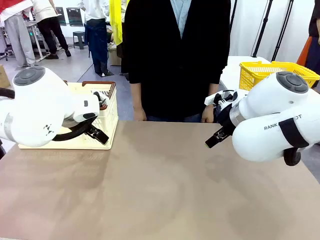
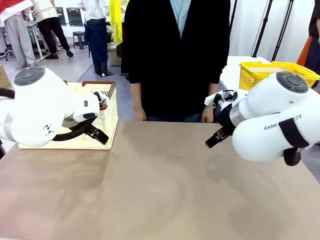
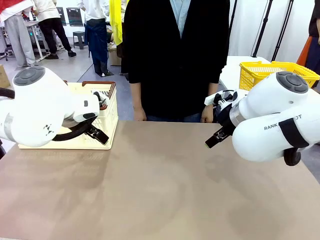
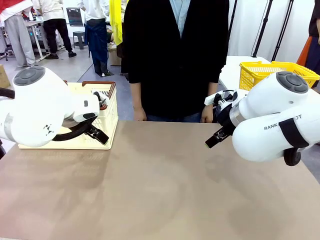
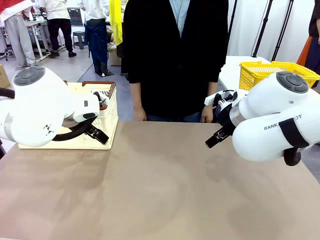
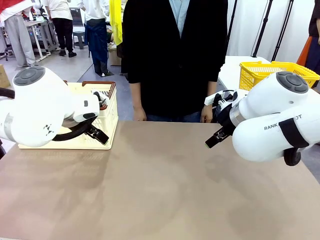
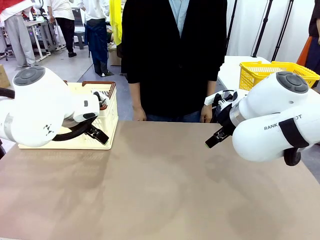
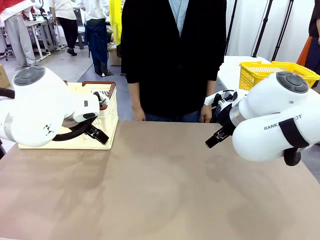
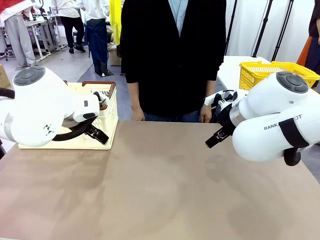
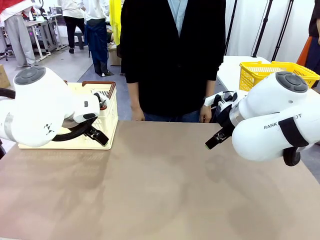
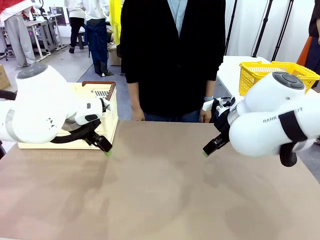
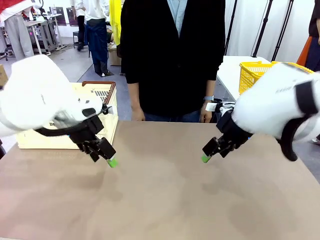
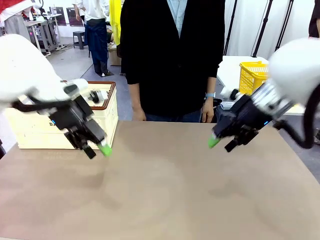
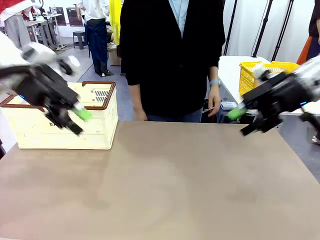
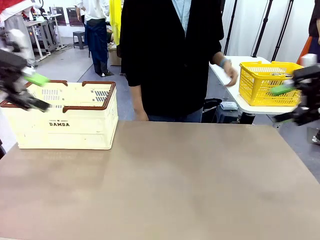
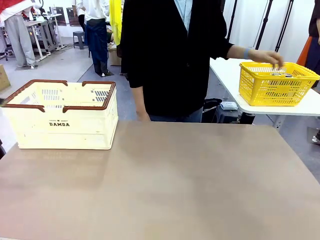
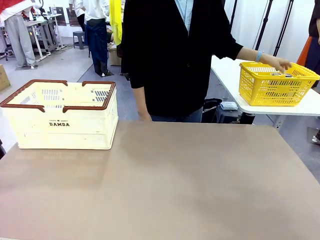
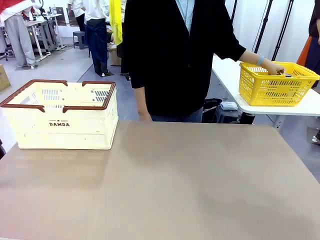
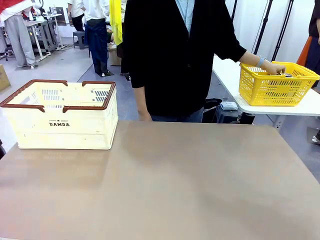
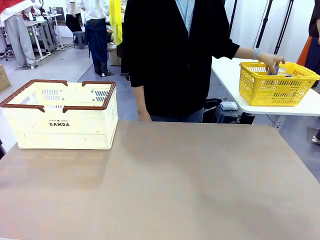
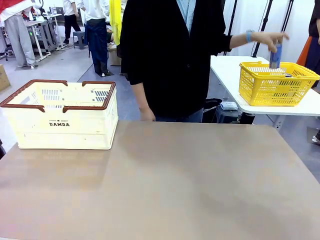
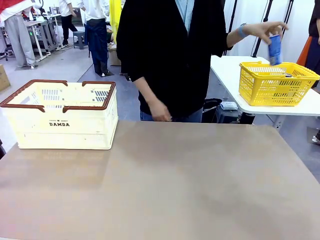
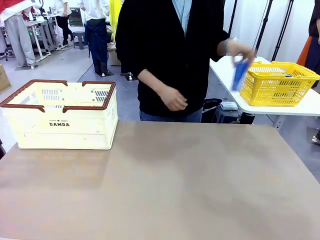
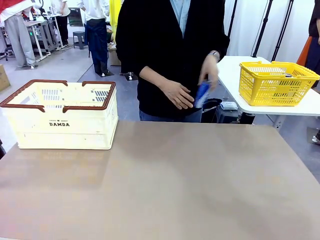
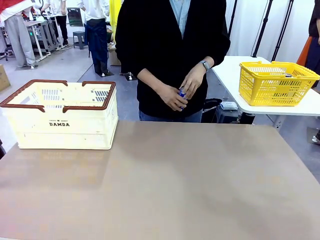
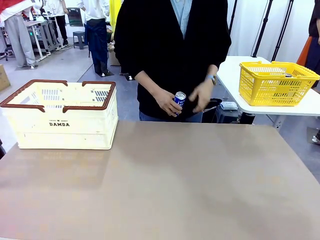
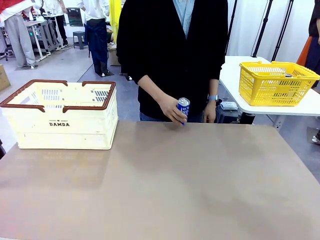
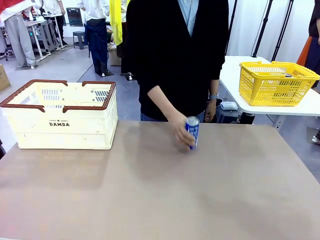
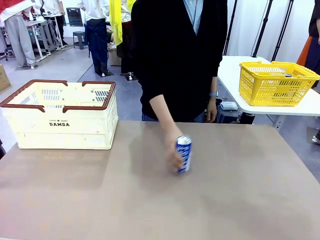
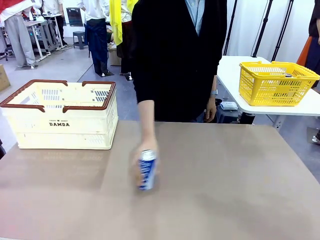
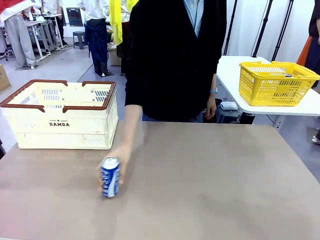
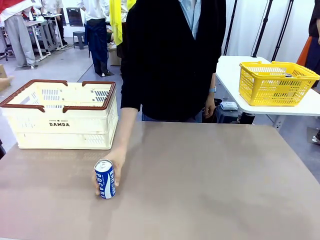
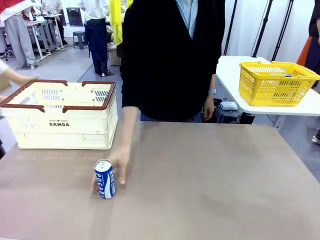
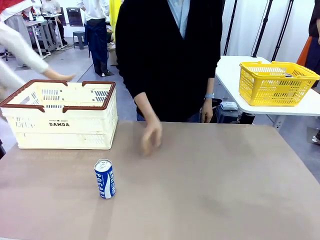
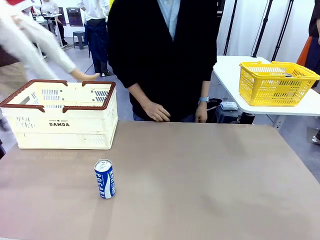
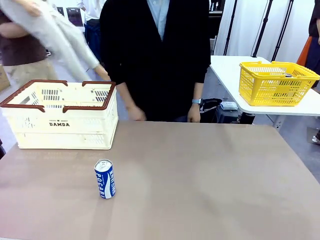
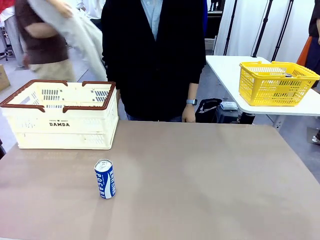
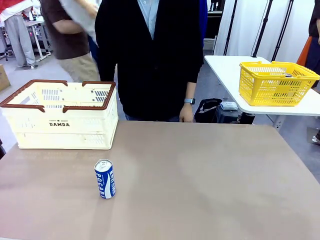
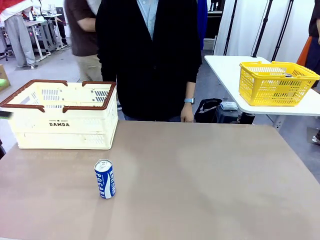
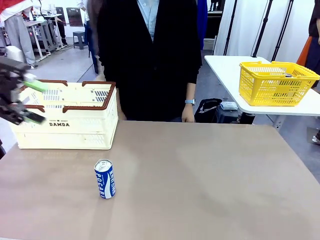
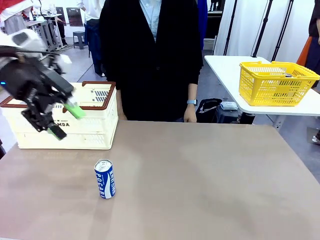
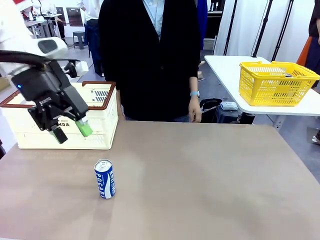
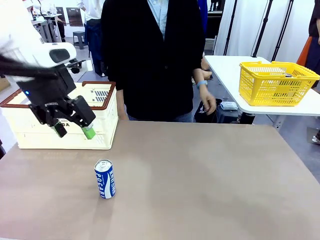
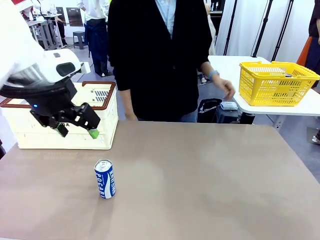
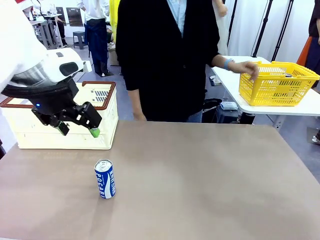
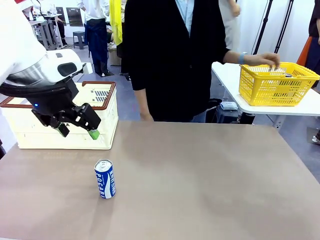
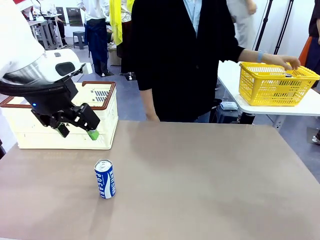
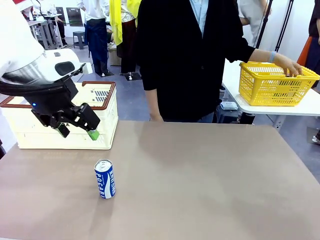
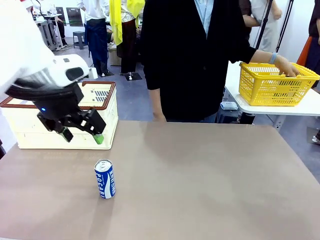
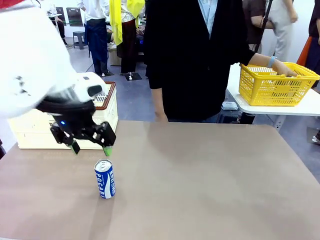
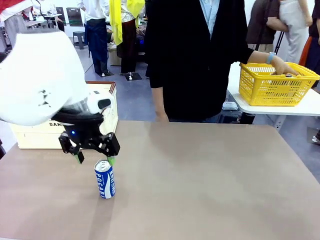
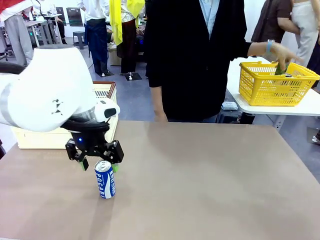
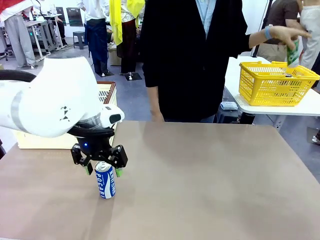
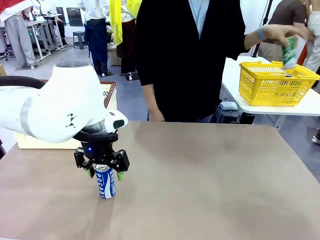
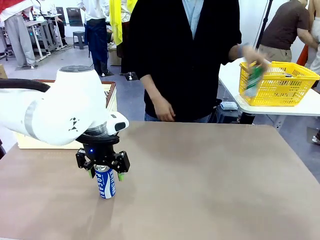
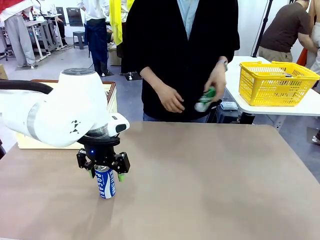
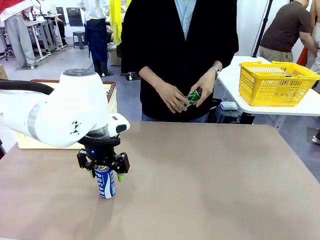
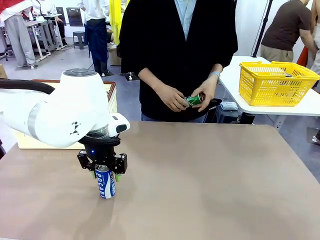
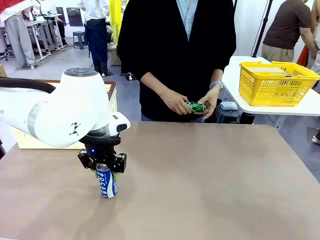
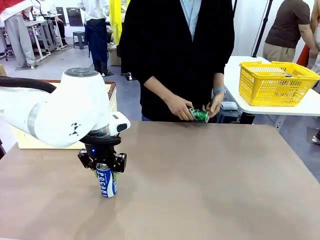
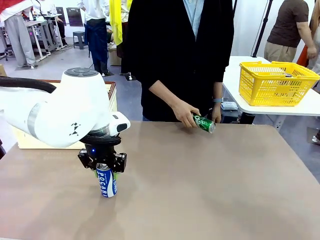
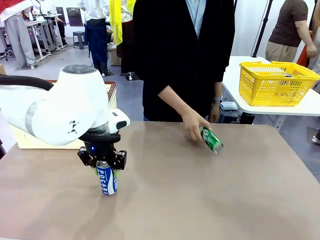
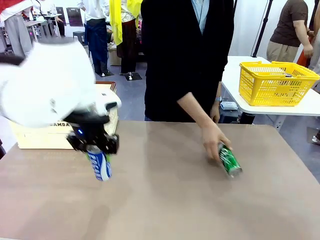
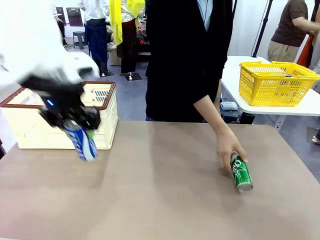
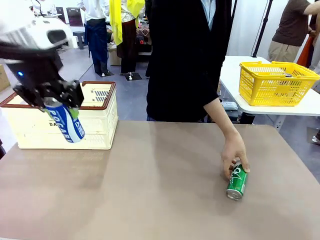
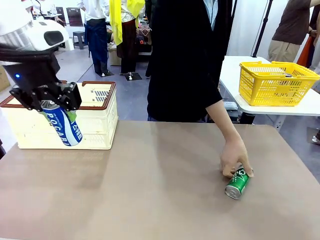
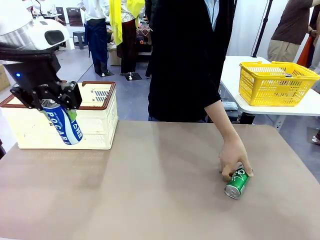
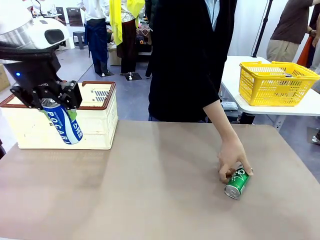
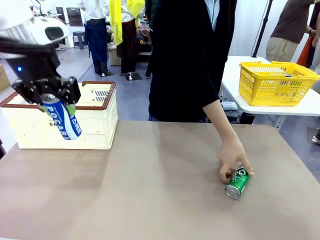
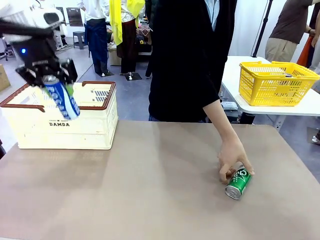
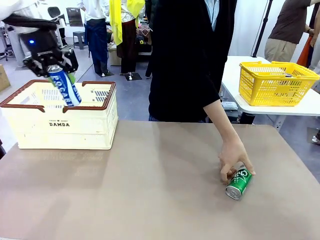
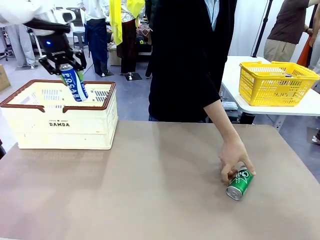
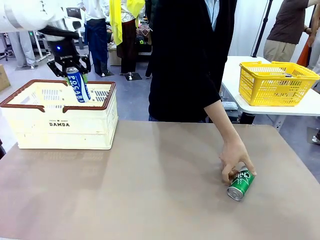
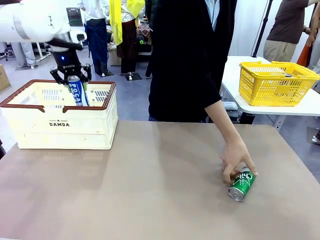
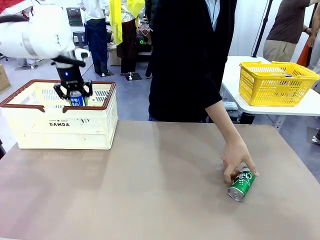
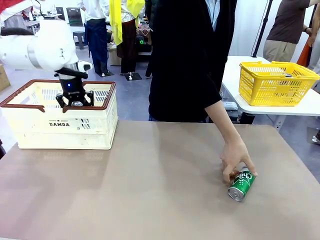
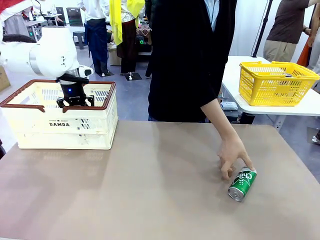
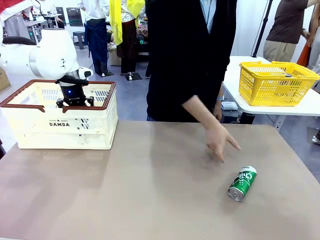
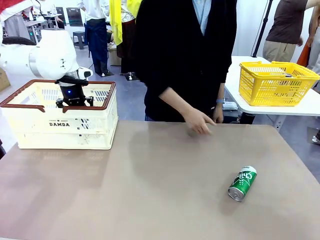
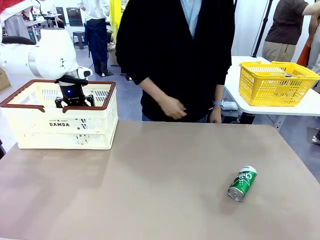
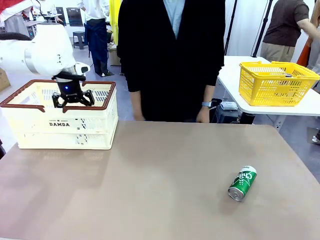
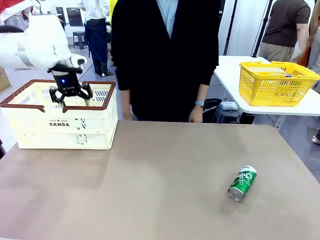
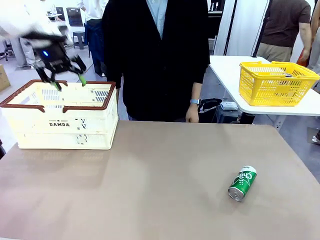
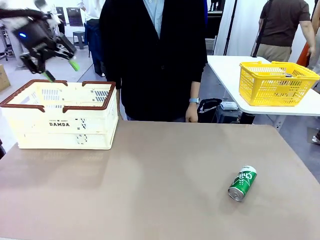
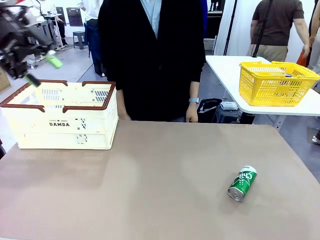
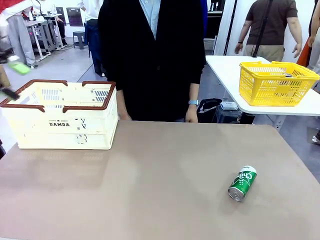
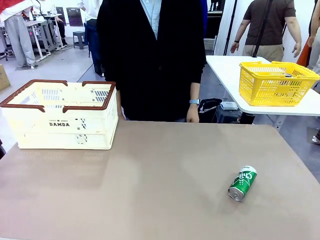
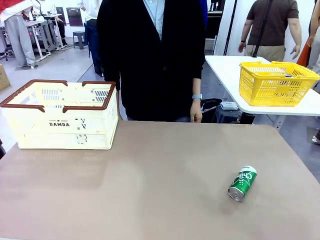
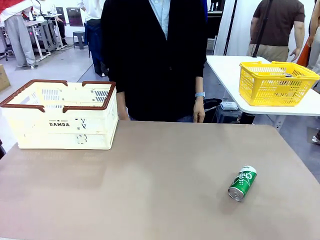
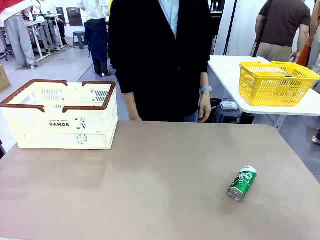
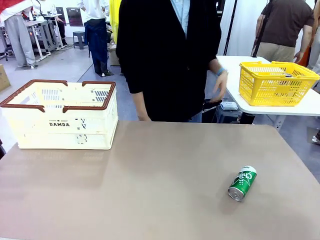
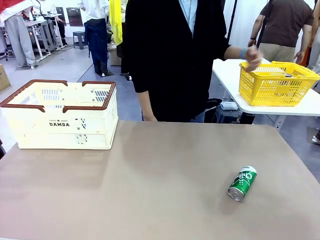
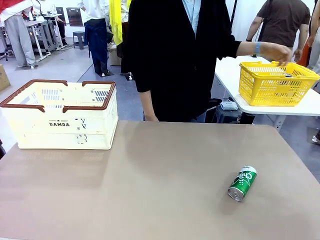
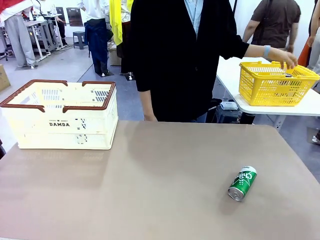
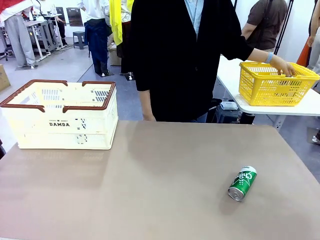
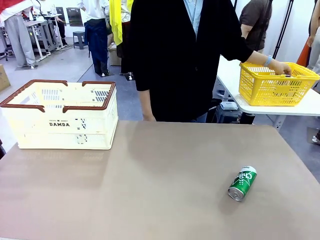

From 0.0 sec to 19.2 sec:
Task: Place the drinks into the Shopping basket.
Robot: Pick up one drink and place it into the Shopping basket.
